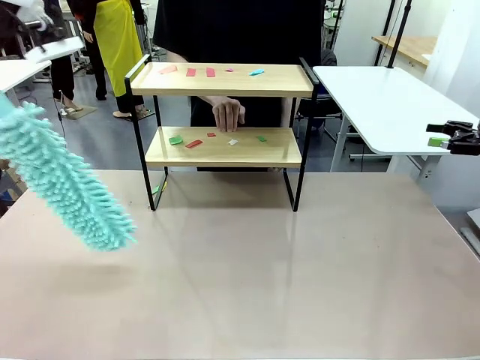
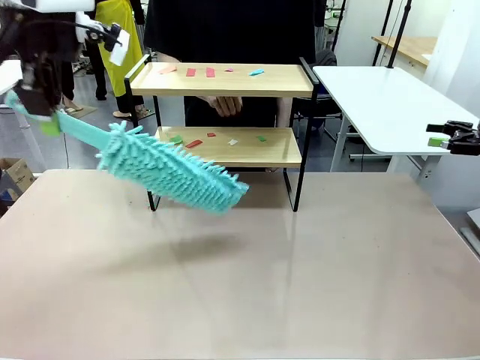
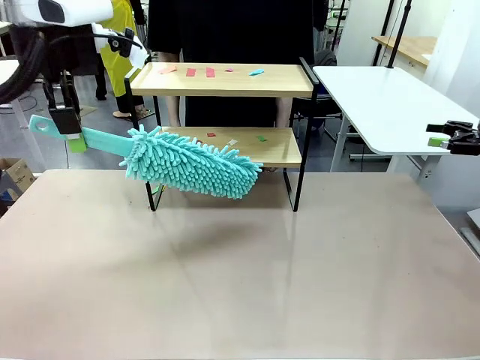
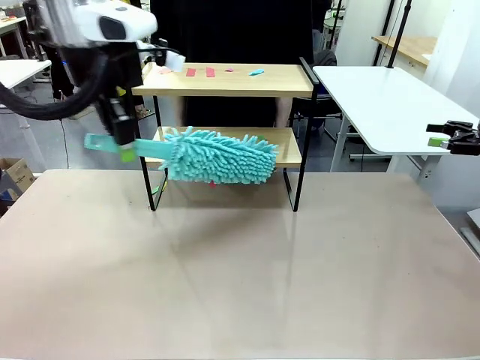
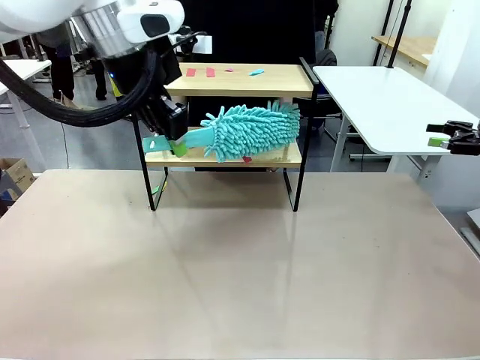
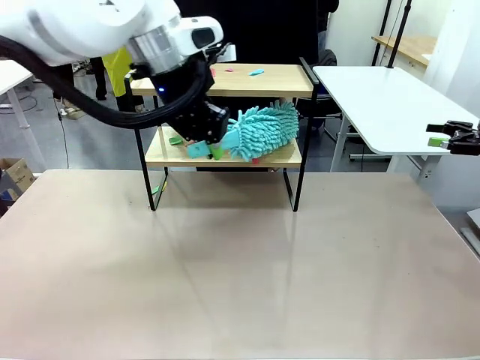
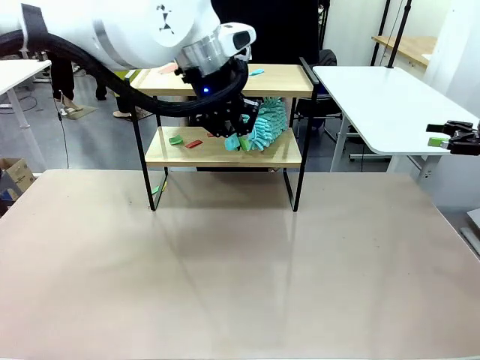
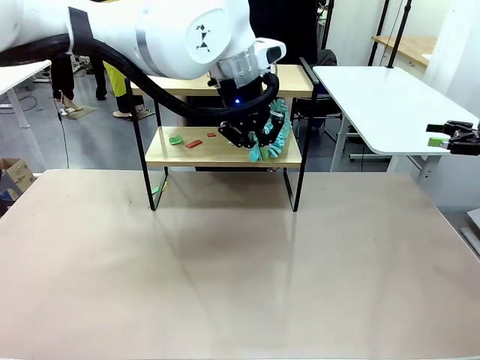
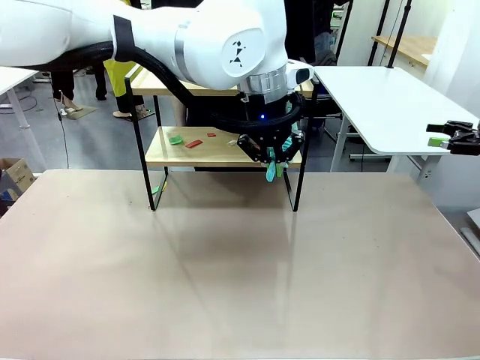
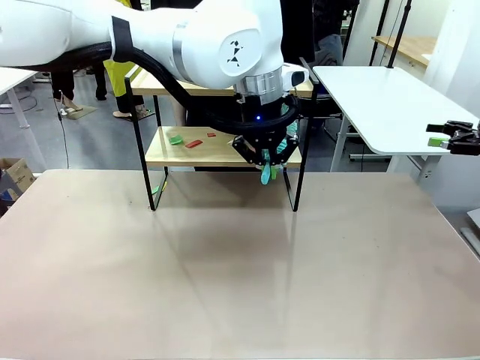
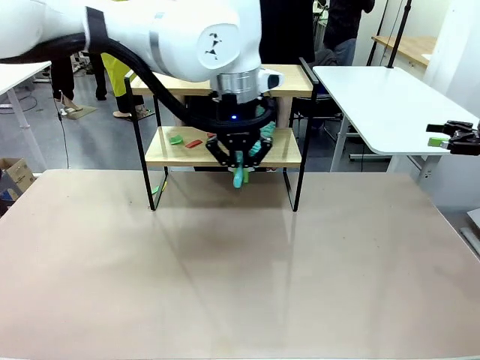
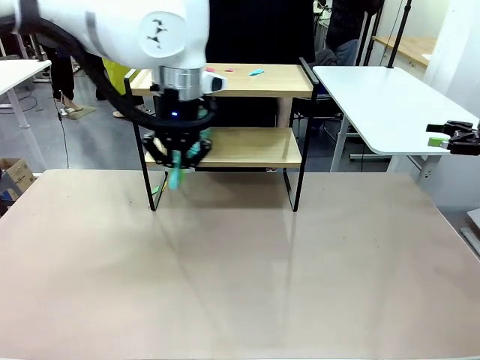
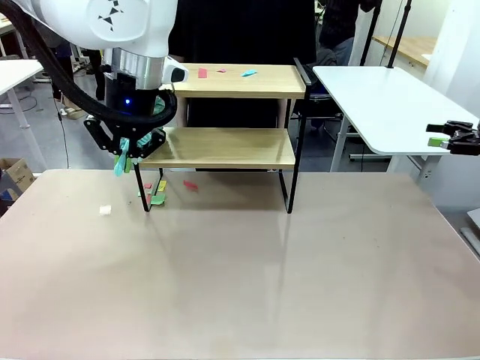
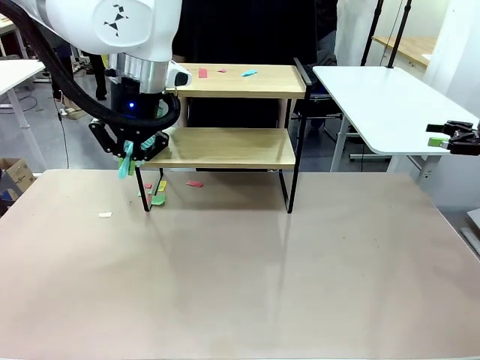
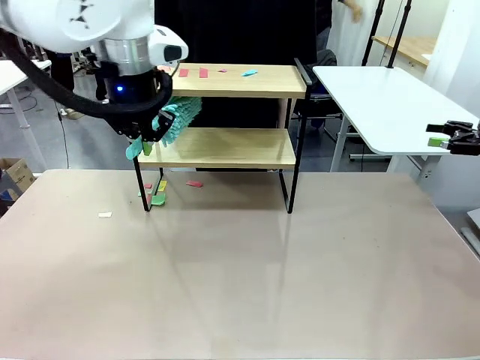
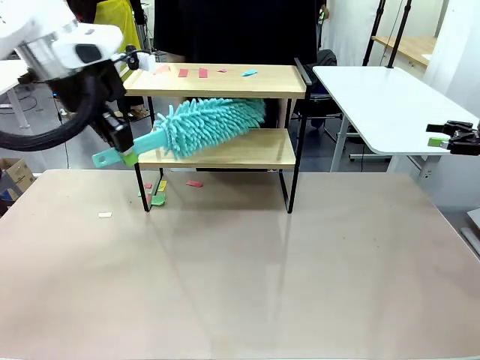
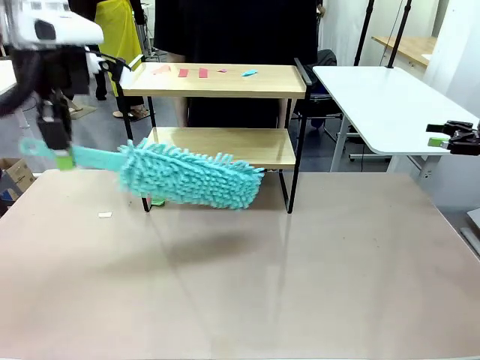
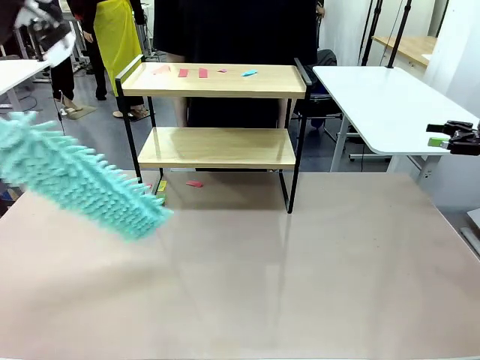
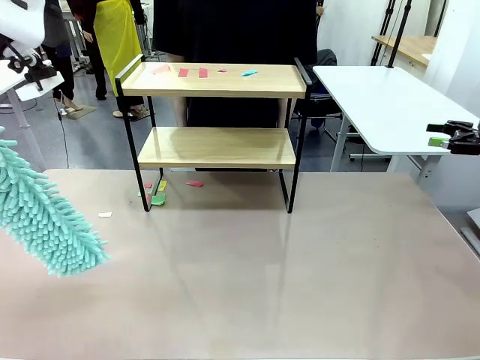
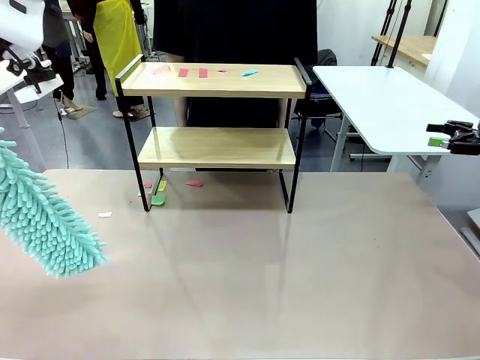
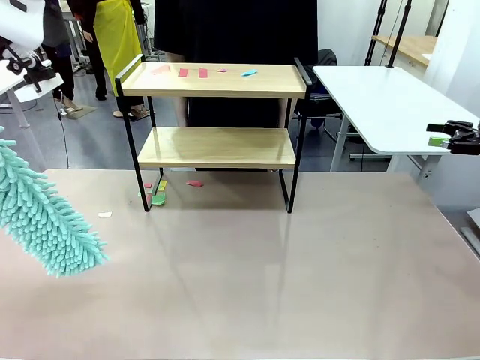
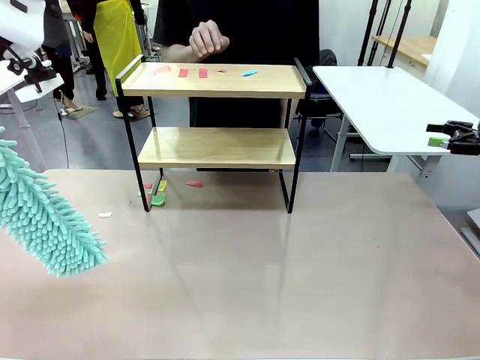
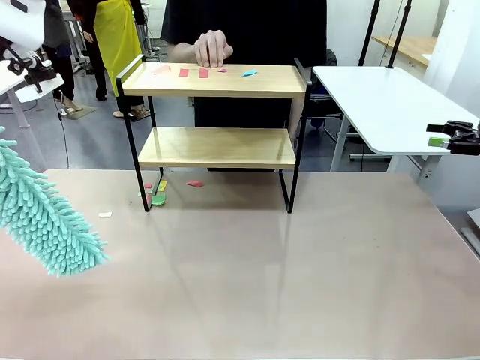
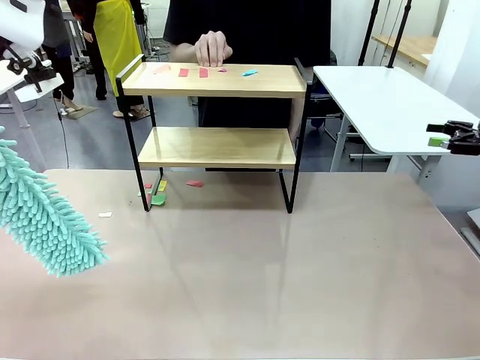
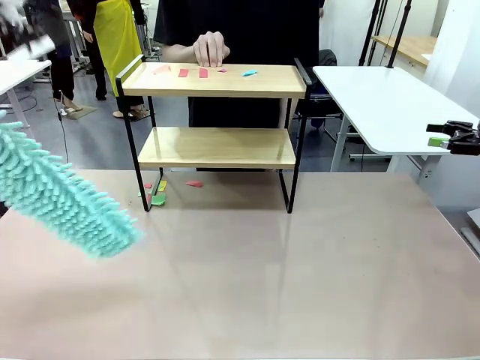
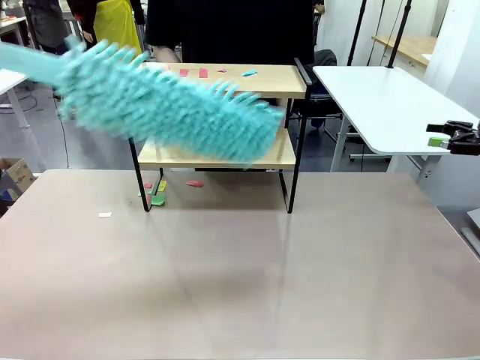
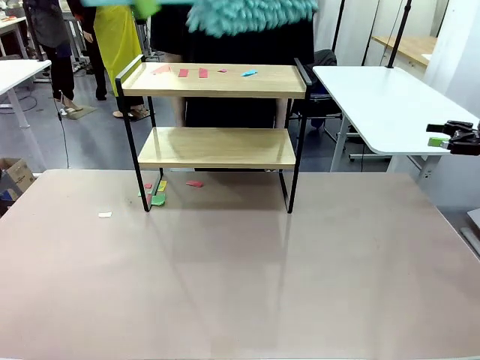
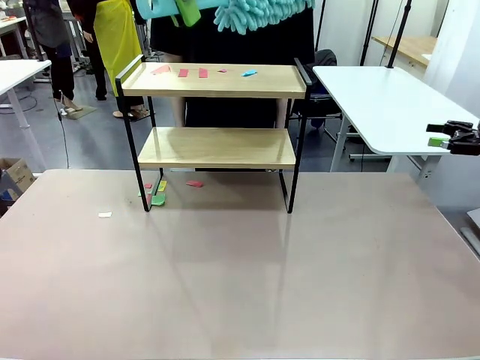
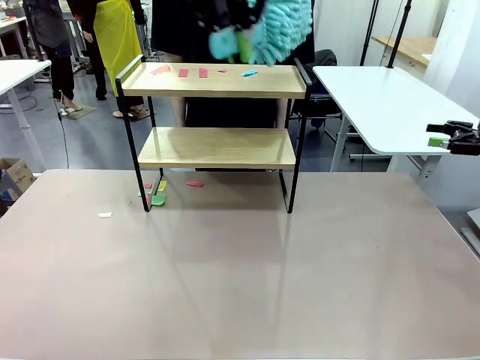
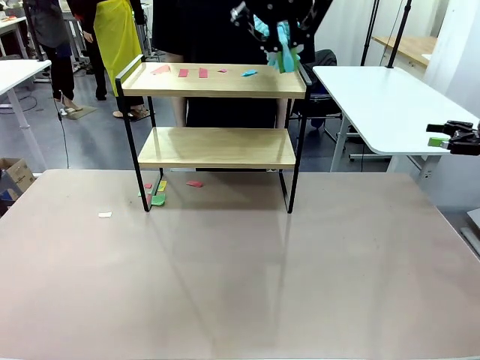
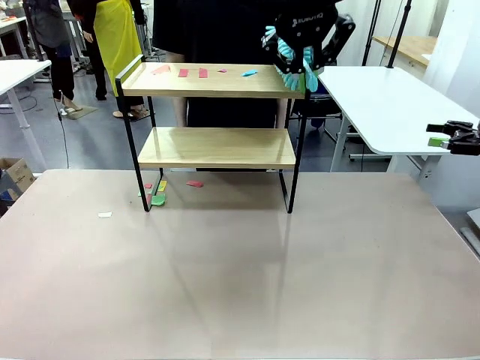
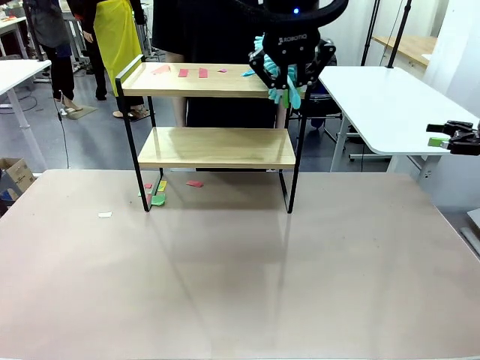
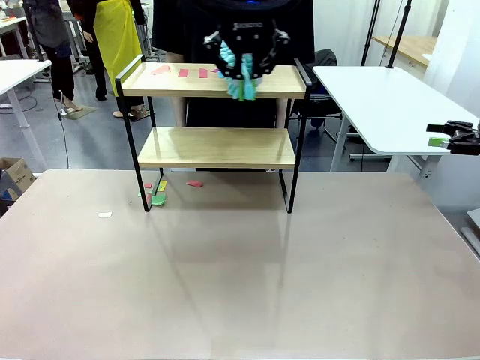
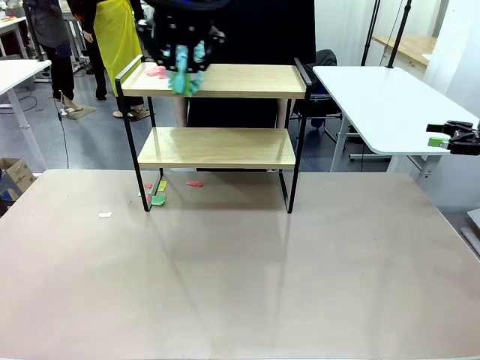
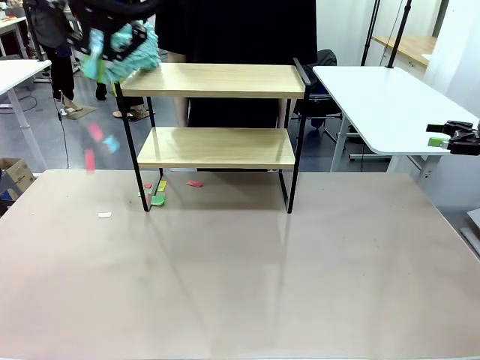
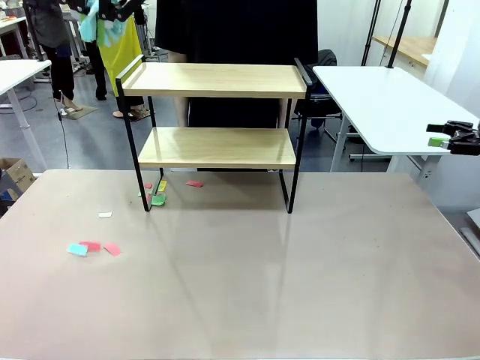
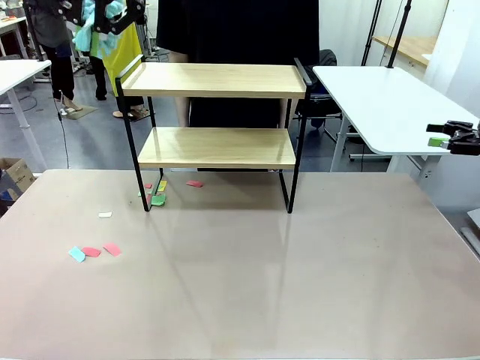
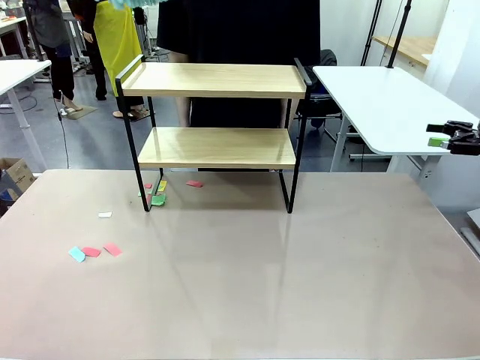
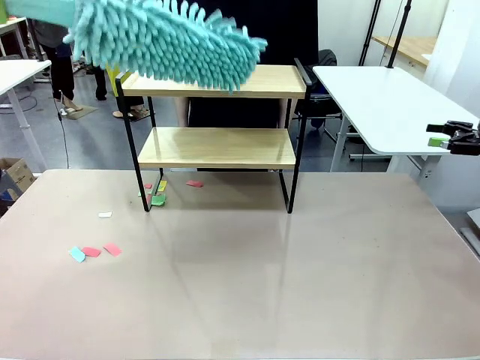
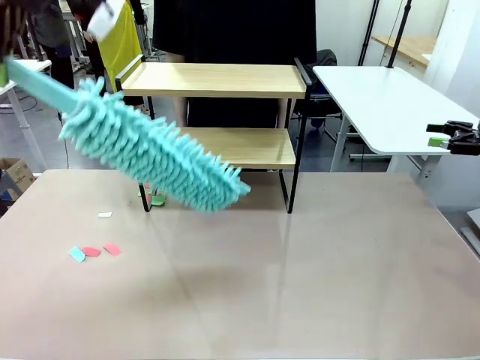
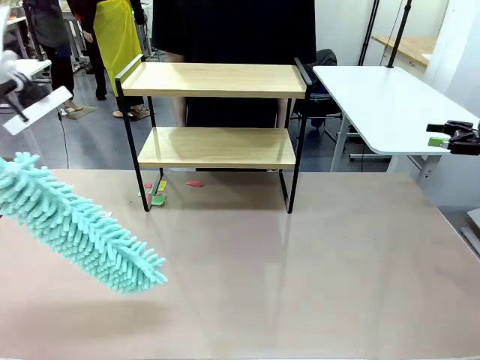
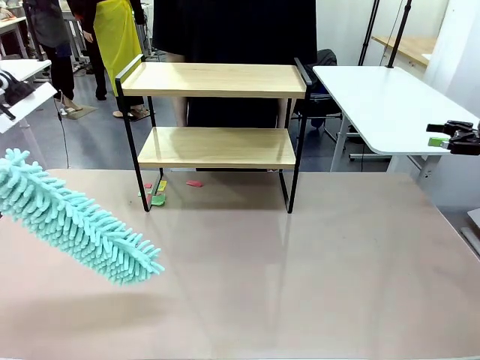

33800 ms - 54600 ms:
Task: Clean the shelf.
Robot: Clean the specific section of the Shelf indicated by the human with the Duster.
Person: Point a remaining section of the Shelf.
